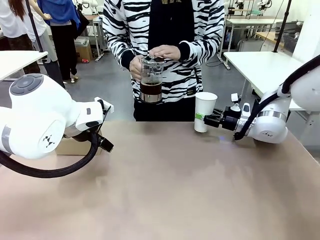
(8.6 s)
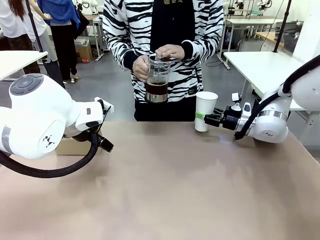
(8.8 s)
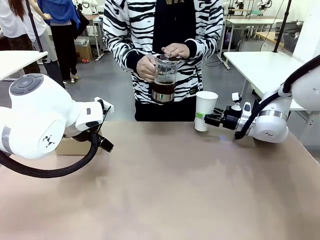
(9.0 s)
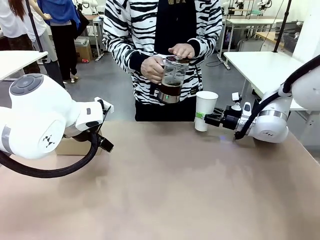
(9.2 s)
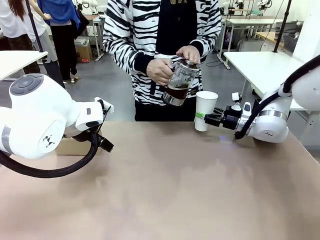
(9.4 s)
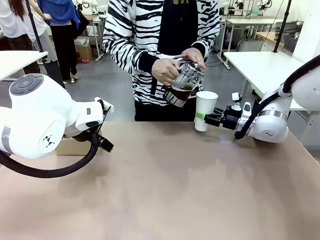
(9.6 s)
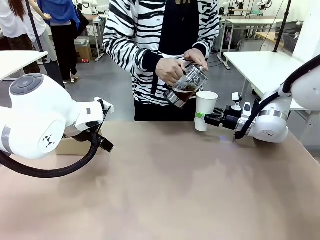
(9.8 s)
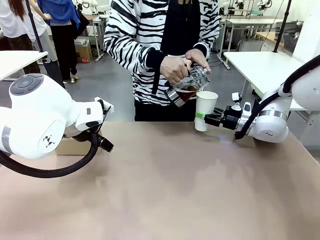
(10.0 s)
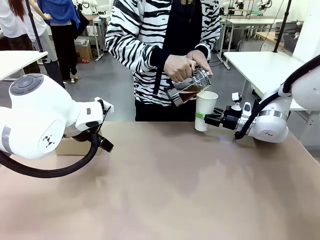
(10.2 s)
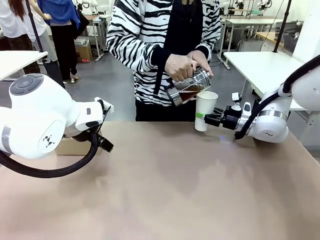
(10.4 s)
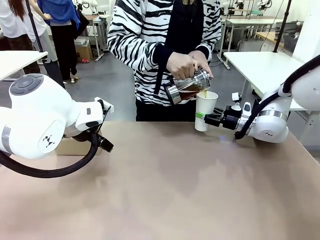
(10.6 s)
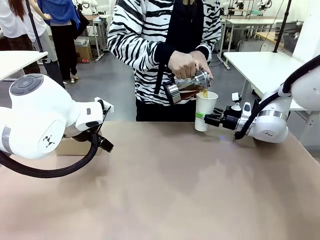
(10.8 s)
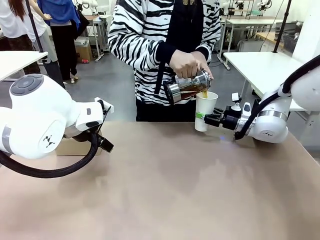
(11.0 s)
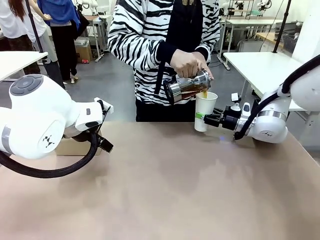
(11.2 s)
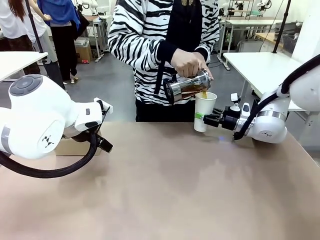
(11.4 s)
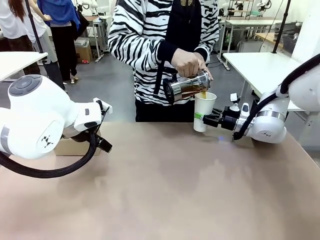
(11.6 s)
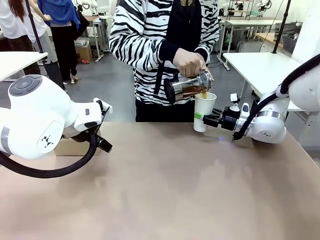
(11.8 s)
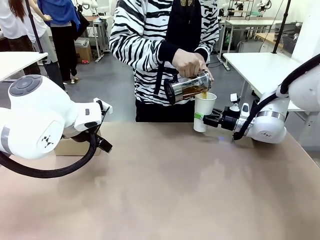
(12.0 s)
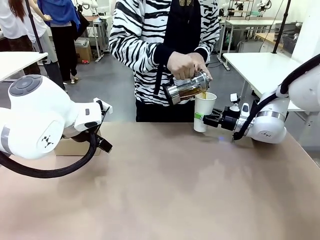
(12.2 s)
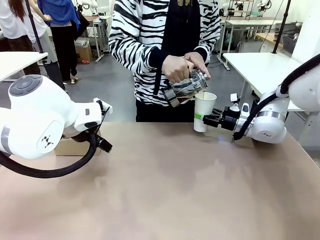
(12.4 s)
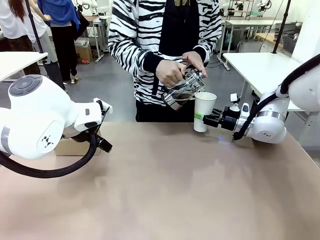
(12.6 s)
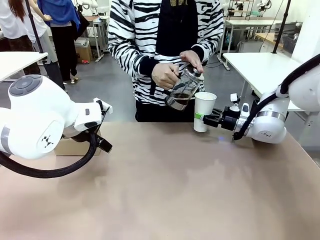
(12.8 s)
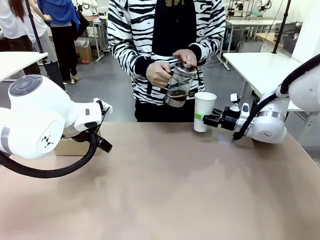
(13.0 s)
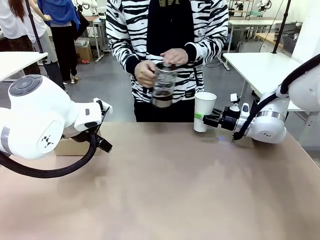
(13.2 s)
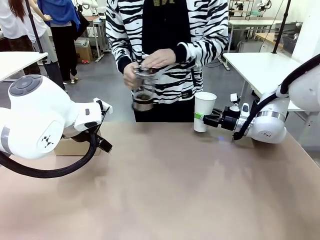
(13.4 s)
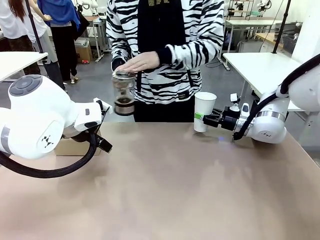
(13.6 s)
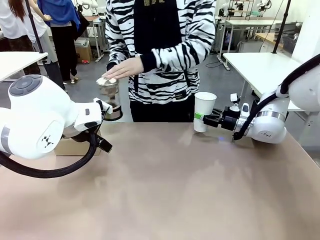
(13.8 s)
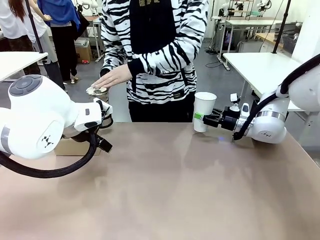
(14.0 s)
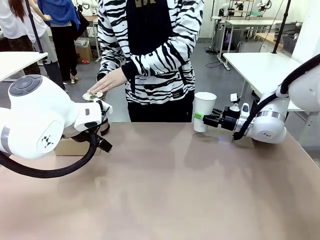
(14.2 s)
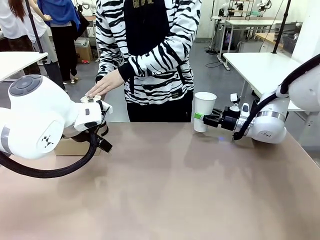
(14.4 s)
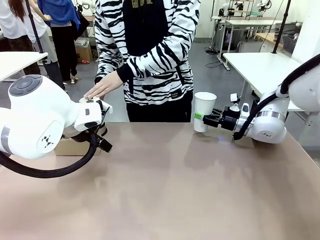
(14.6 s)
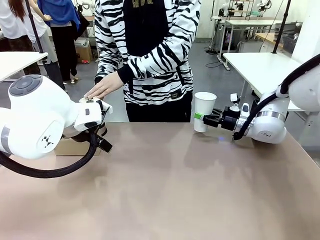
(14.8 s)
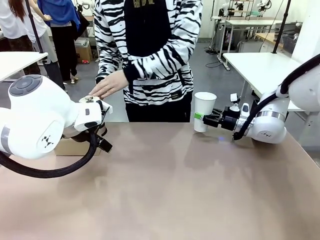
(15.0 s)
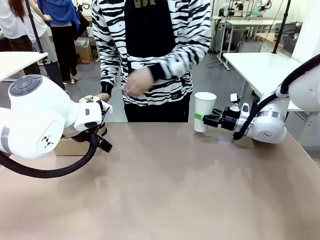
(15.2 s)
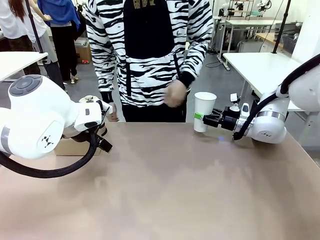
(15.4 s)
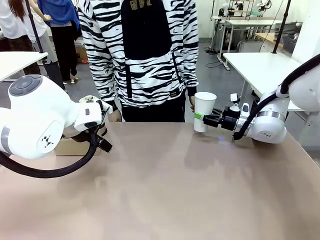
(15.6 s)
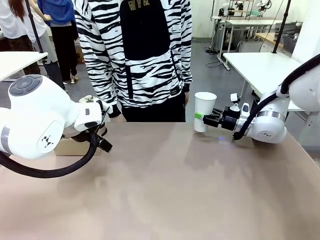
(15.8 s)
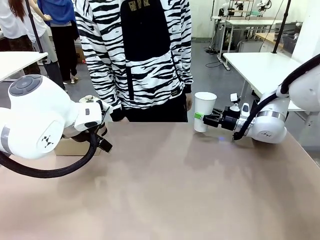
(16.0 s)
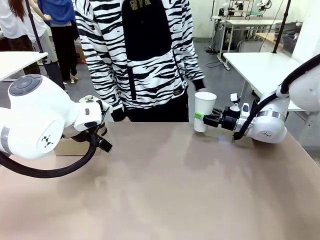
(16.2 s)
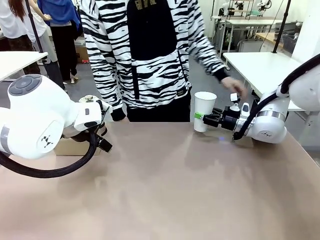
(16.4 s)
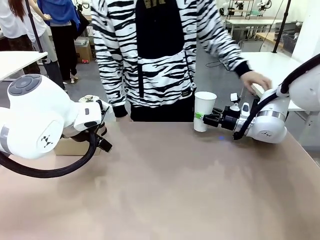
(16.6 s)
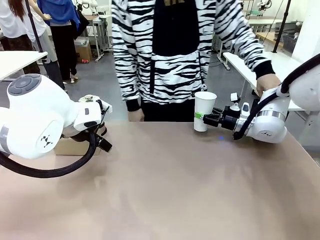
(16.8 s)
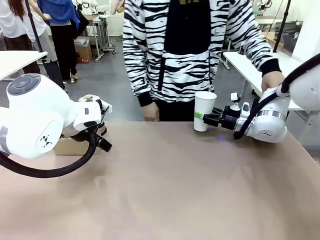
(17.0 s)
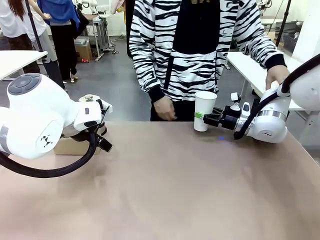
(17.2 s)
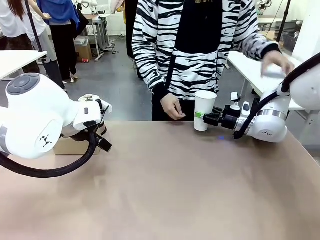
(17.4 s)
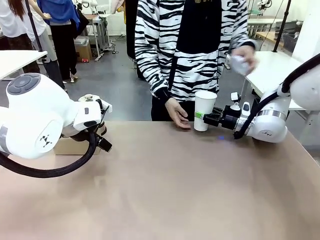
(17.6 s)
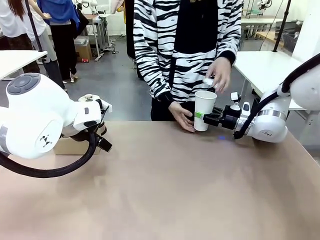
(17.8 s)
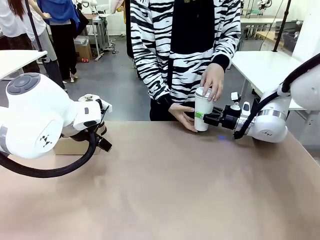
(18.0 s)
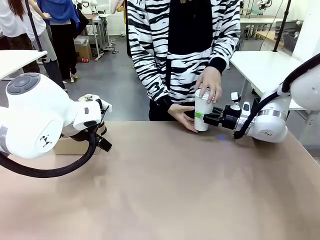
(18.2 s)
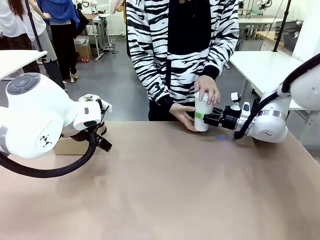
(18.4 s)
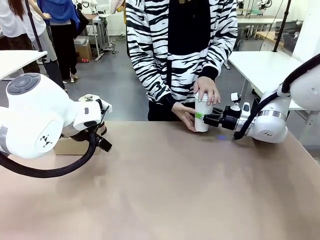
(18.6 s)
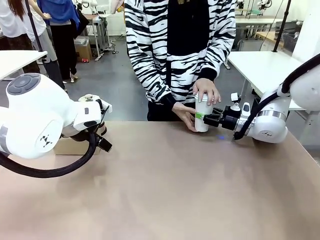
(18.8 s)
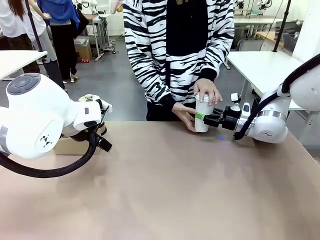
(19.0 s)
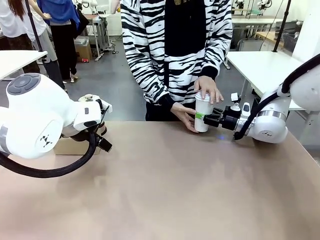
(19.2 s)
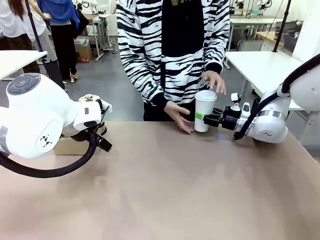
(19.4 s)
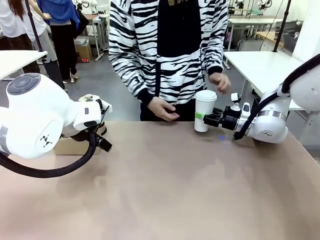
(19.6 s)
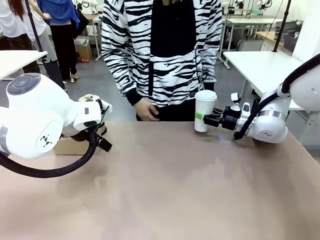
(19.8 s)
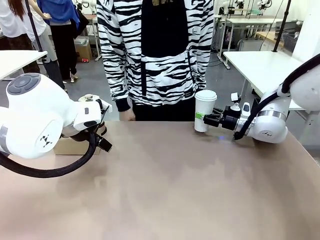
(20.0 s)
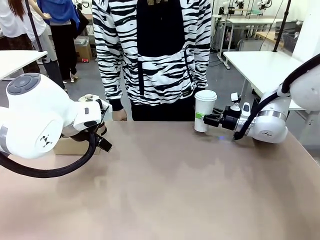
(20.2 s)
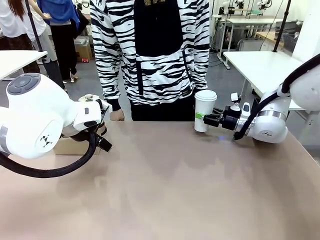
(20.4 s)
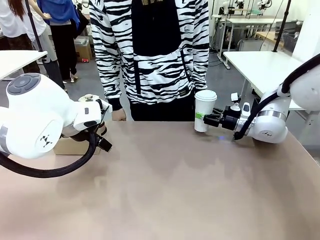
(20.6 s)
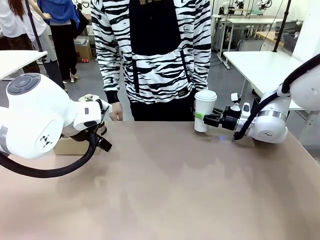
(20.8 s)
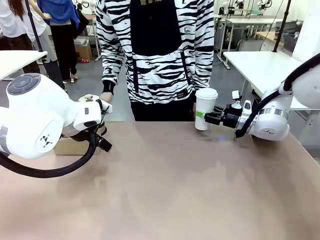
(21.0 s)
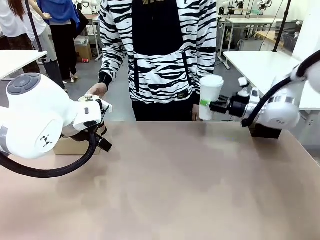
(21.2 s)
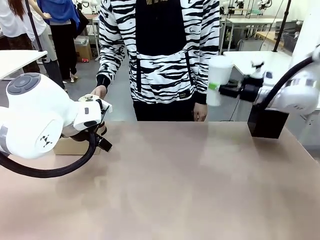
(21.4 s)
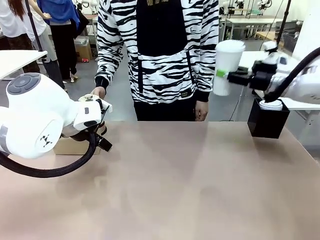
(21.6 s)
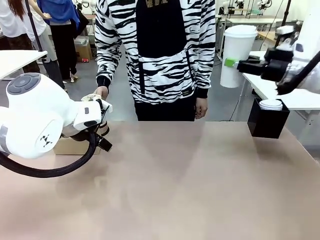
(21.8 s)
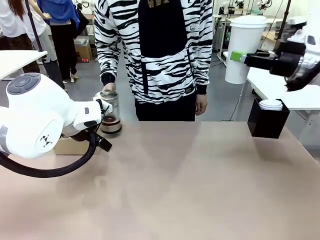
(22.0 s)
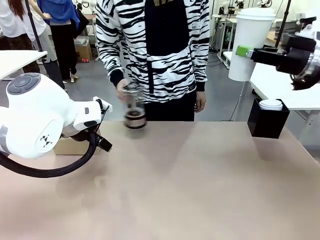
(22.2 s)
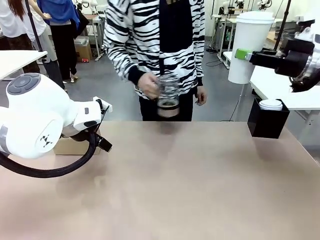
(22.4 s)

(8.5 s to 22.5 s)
Task: Pour a drink into a cup and package it in a carrier.
Robot: When a person places the Paper Cup Lid on the 600 ml Paper Cup , lift the 600 ml Paper Cup.
Person: Pour the drink from the Filter Brewing into the 600 ml Paper Cup. Place a Paper Cup Lid on the 600 ml Paper Cup.

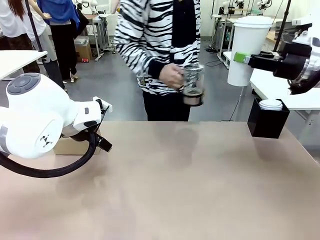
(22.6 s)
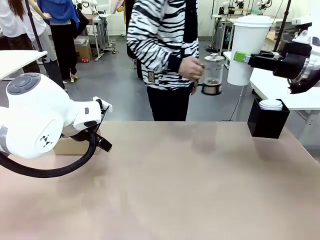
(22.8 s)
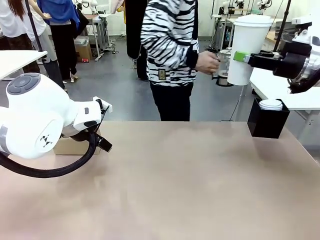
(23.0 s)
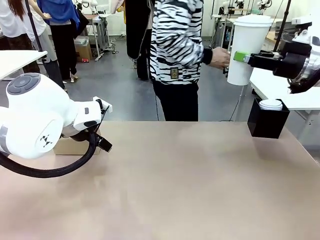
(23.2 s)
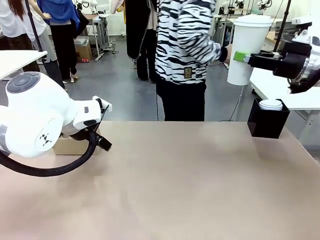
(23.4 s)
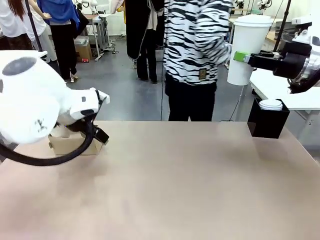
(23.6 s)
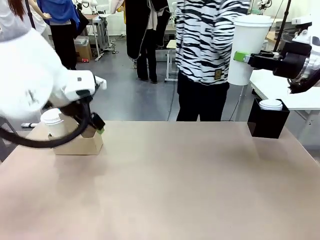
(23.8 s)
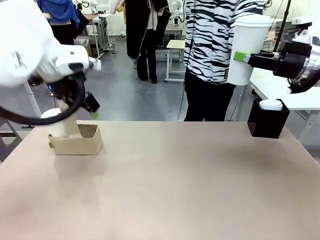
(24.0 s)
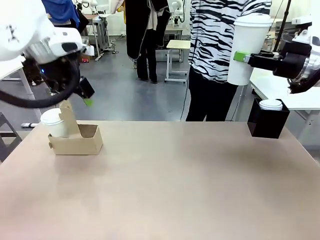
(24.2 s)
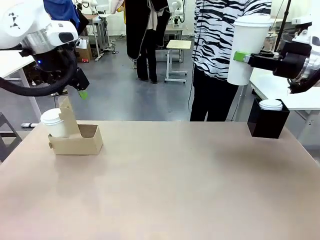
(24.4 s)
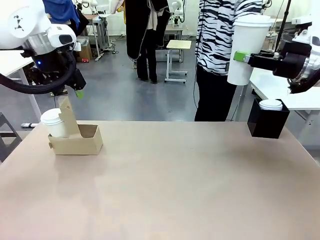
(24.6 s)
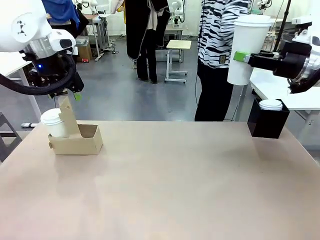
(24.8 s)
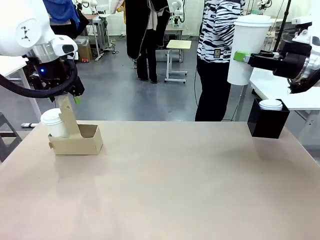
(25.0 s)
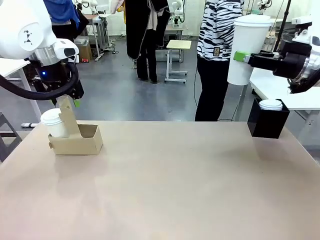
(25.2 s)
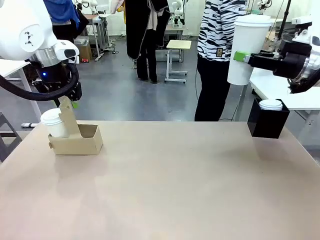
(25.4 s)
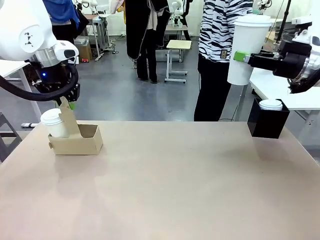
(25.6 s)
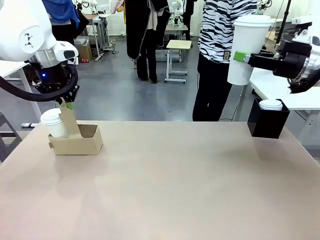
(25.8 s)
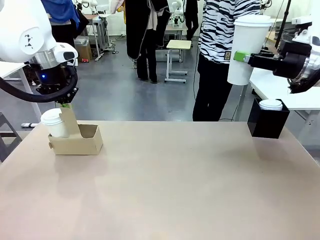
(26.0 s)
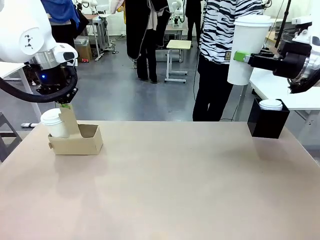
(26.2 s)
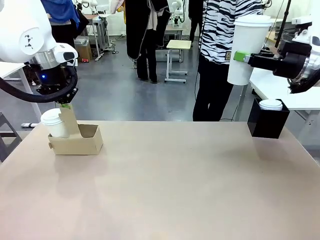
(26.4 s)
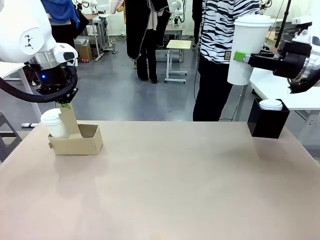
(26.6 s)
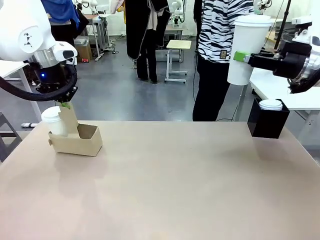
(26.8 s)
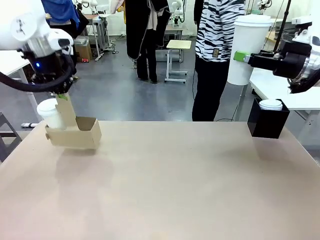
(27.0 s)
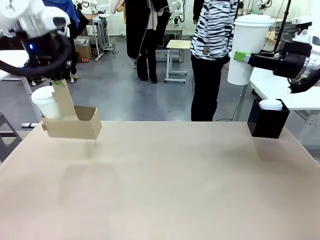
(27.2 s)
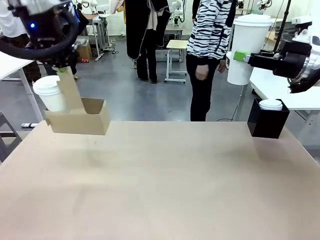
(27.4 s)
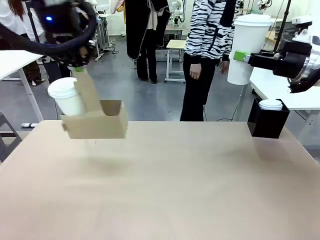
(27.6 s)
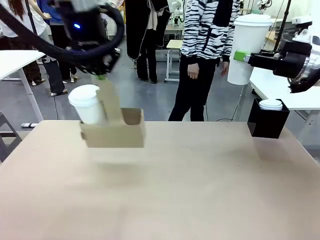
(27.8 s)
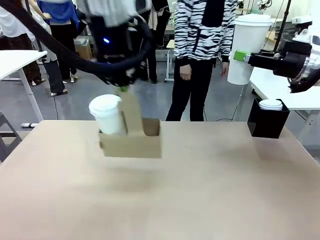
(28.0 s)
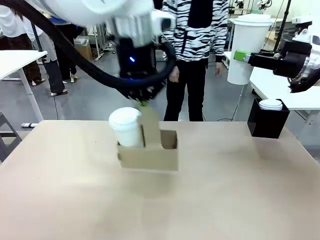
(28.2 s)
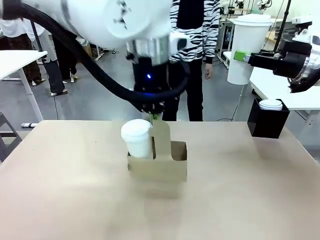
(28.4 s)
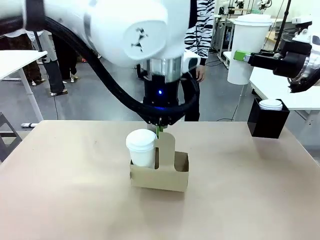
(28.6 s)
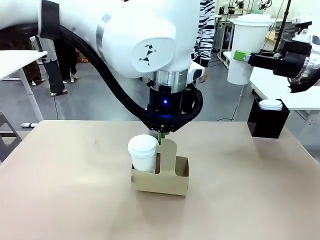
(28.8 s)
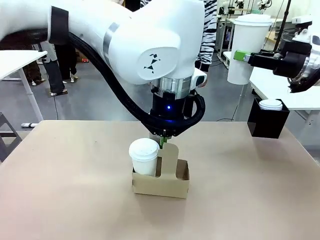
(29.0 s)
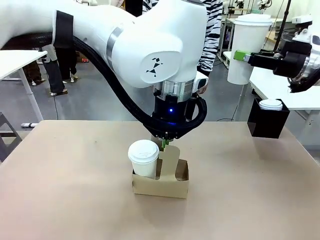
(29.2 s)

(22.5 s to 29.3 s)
Robot: Position the Cup Carrier in the center of the table.
Person: Pick up the Filter Brewing and place on the middle of Human table, and return to the Robot table.
